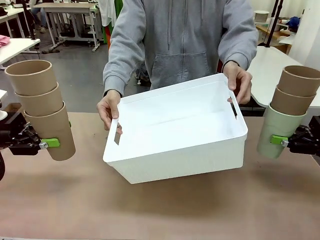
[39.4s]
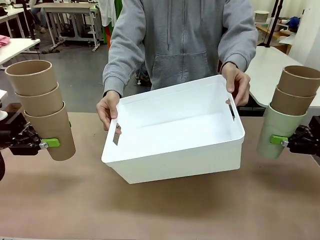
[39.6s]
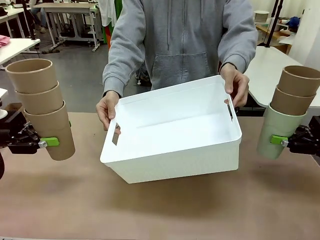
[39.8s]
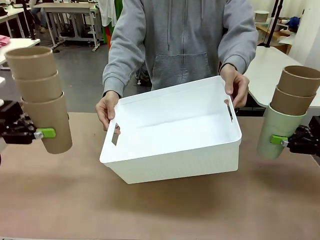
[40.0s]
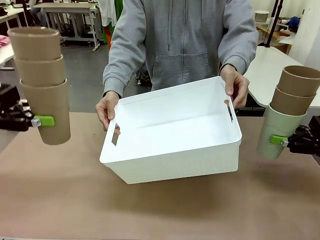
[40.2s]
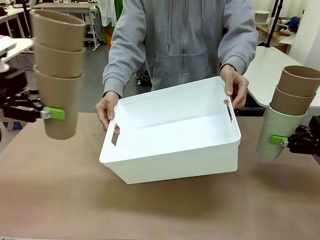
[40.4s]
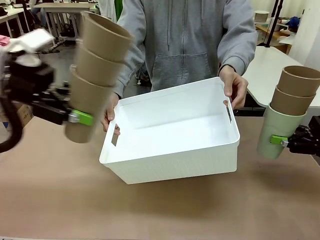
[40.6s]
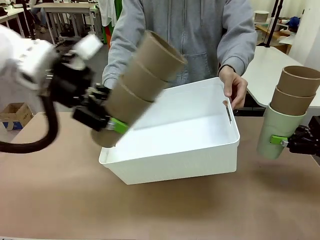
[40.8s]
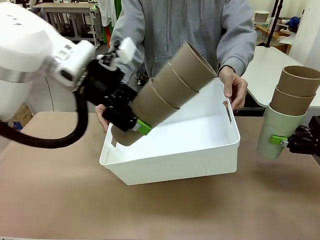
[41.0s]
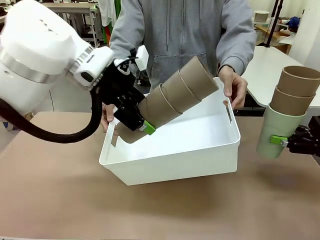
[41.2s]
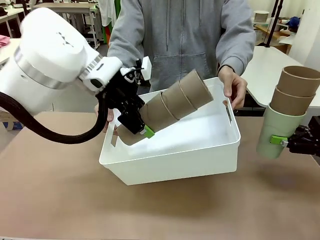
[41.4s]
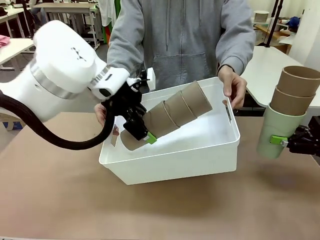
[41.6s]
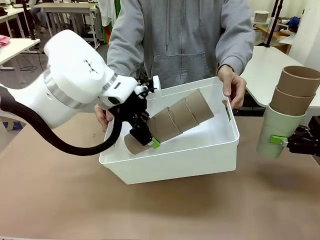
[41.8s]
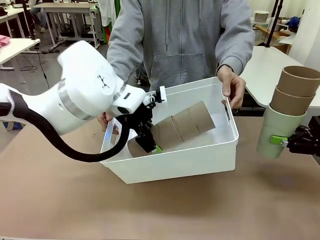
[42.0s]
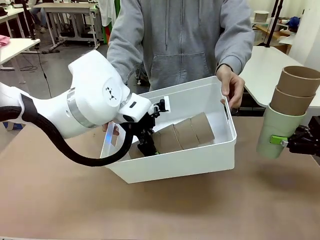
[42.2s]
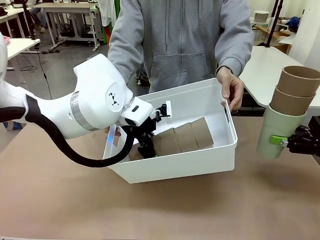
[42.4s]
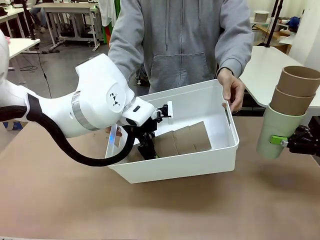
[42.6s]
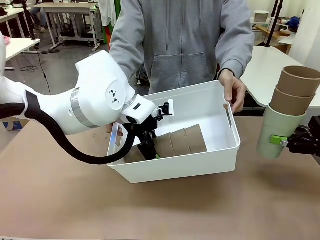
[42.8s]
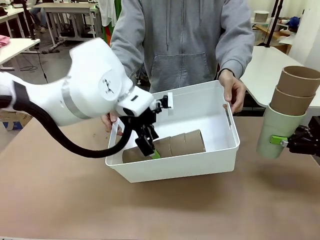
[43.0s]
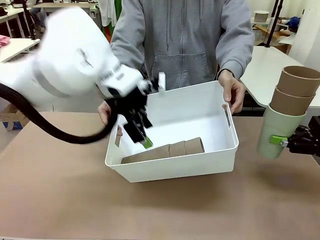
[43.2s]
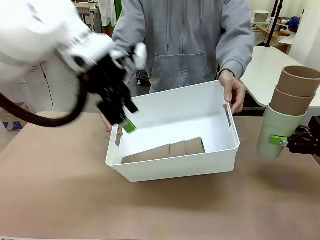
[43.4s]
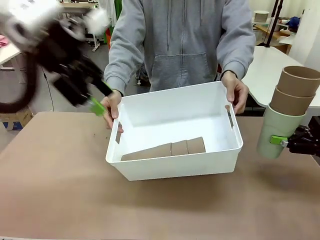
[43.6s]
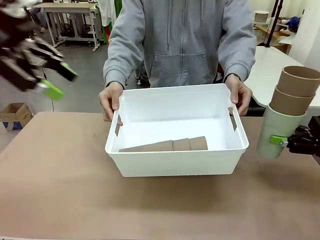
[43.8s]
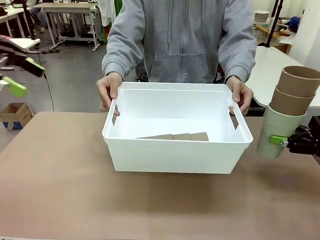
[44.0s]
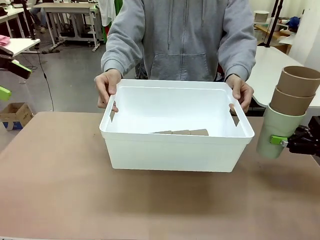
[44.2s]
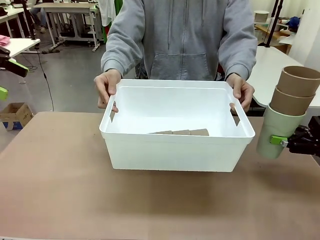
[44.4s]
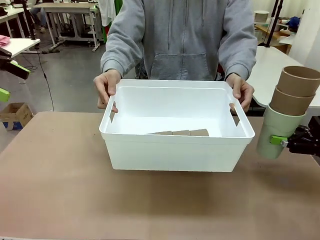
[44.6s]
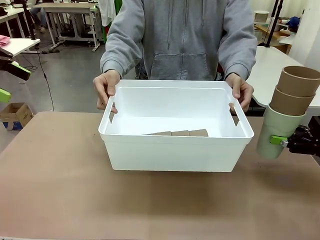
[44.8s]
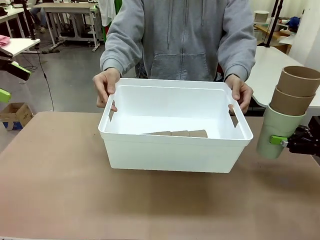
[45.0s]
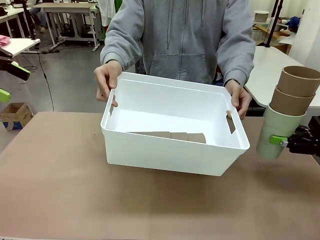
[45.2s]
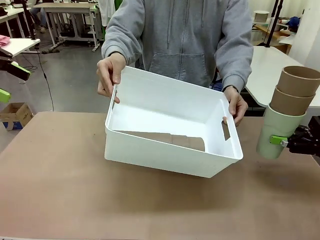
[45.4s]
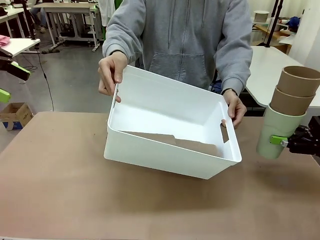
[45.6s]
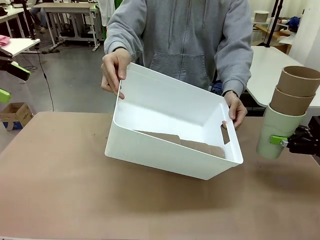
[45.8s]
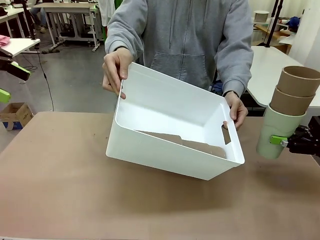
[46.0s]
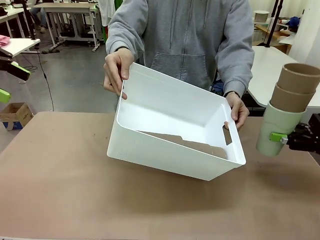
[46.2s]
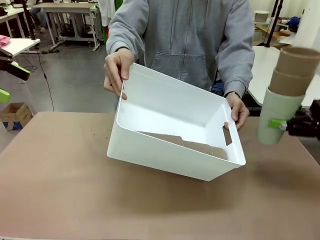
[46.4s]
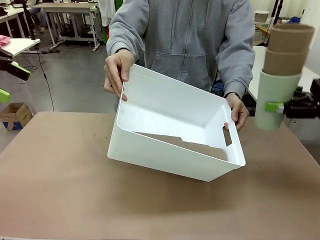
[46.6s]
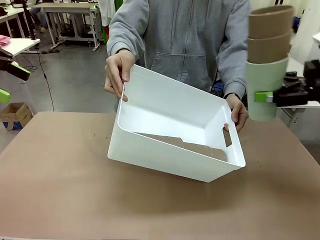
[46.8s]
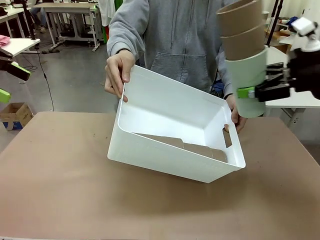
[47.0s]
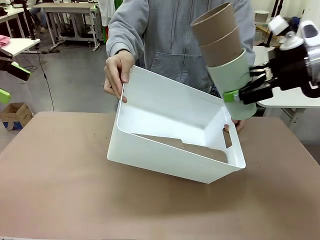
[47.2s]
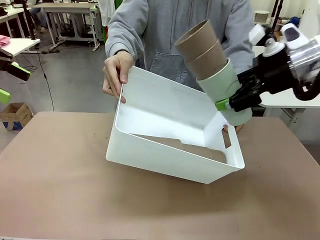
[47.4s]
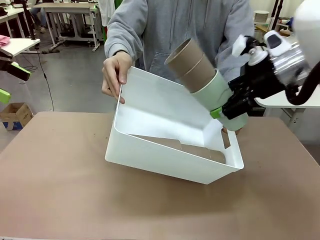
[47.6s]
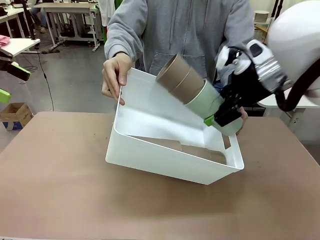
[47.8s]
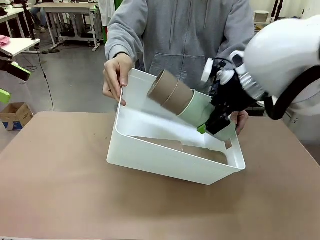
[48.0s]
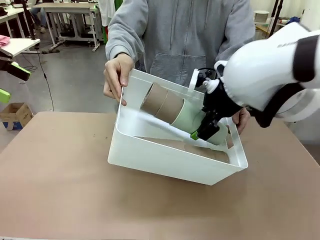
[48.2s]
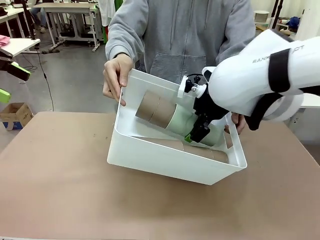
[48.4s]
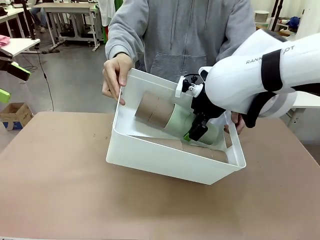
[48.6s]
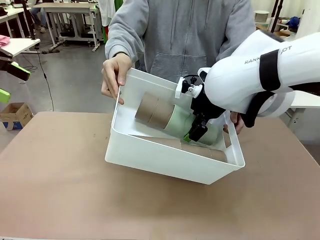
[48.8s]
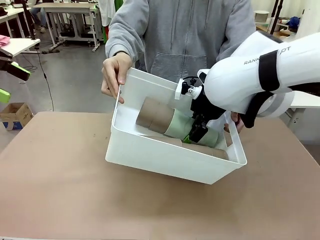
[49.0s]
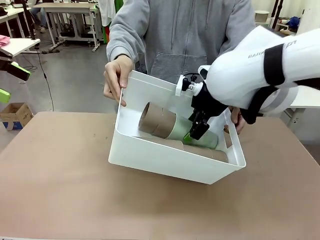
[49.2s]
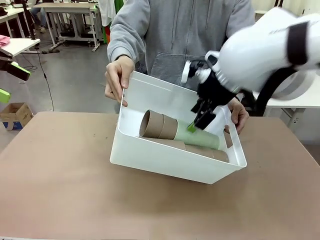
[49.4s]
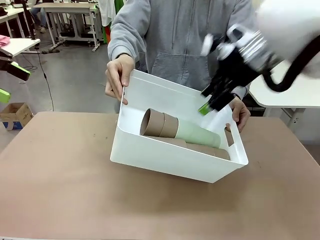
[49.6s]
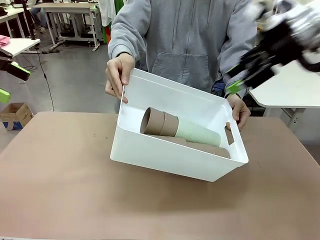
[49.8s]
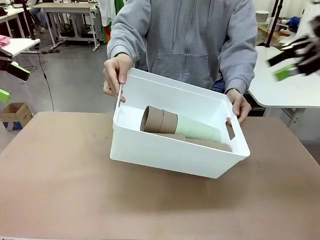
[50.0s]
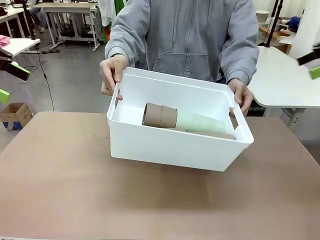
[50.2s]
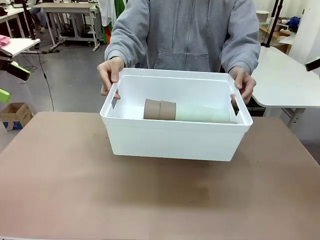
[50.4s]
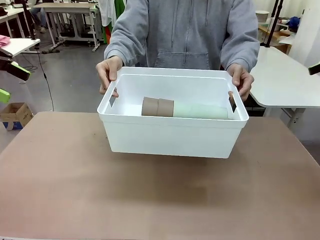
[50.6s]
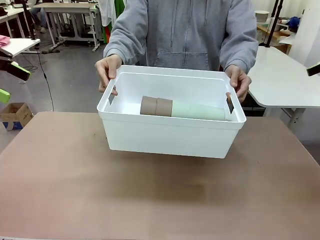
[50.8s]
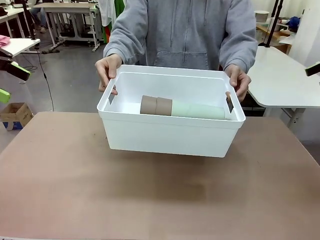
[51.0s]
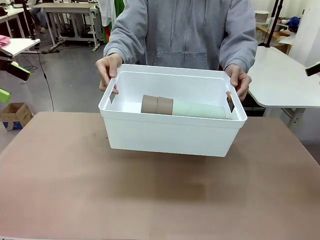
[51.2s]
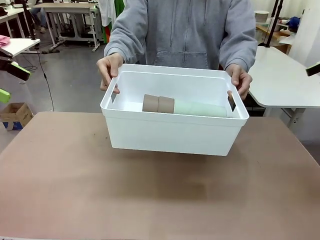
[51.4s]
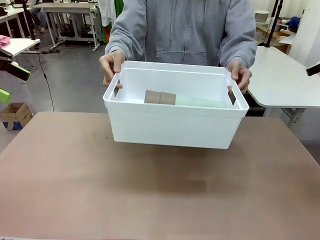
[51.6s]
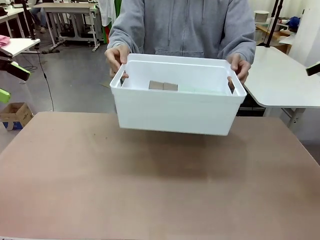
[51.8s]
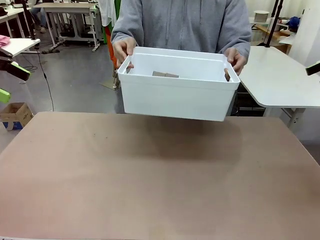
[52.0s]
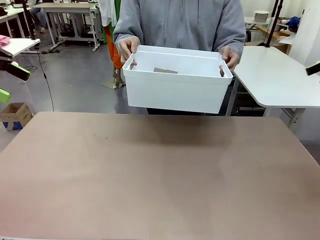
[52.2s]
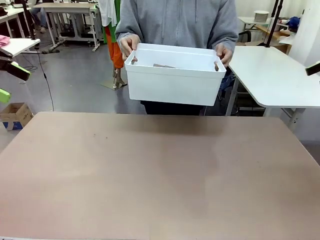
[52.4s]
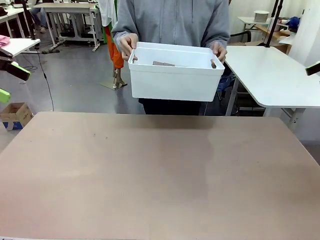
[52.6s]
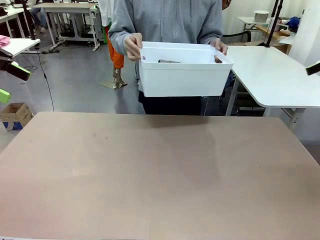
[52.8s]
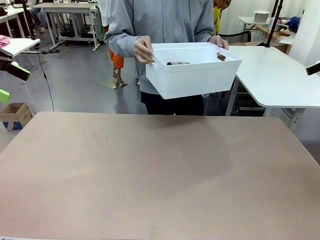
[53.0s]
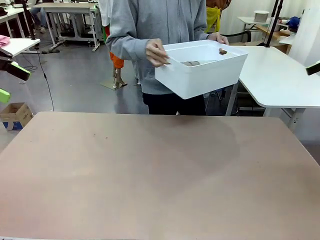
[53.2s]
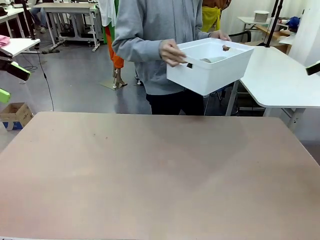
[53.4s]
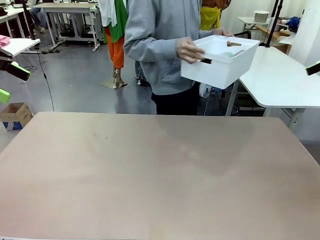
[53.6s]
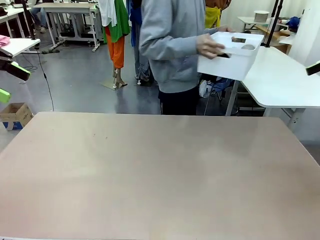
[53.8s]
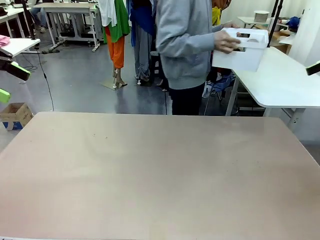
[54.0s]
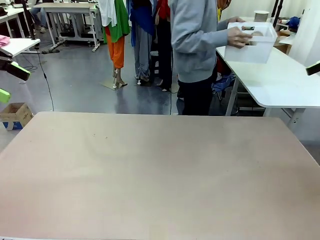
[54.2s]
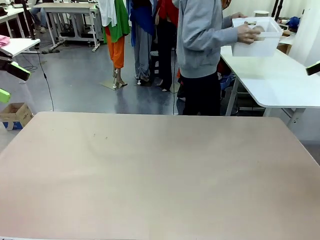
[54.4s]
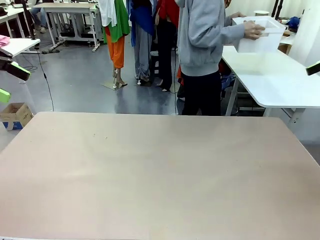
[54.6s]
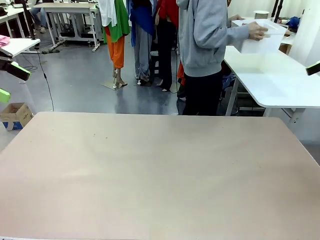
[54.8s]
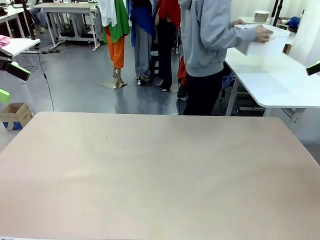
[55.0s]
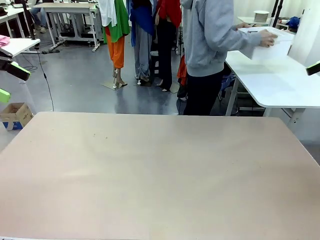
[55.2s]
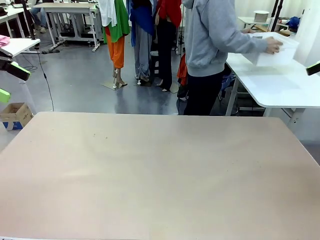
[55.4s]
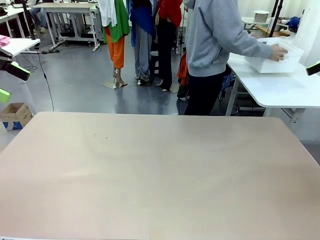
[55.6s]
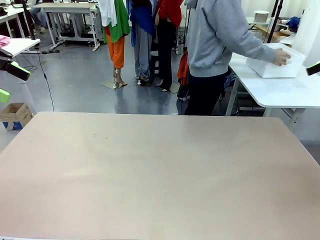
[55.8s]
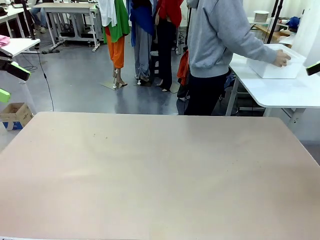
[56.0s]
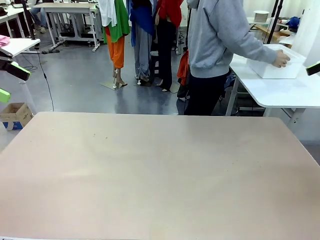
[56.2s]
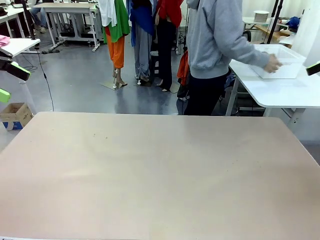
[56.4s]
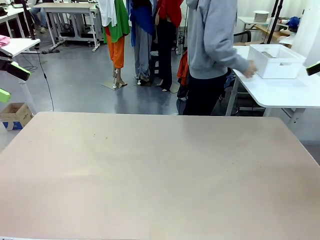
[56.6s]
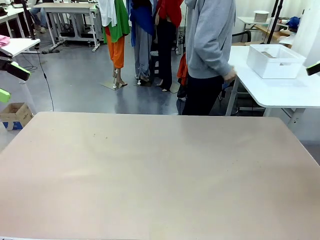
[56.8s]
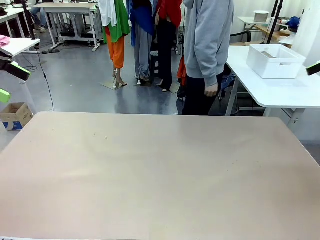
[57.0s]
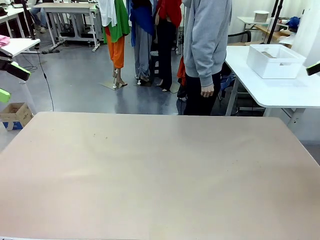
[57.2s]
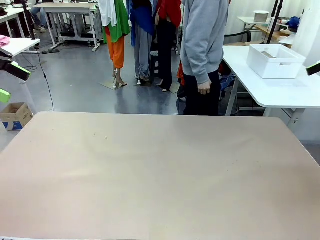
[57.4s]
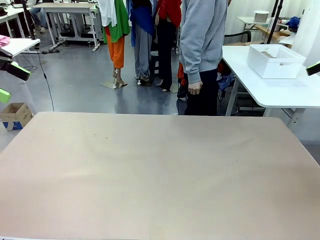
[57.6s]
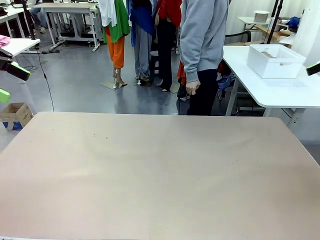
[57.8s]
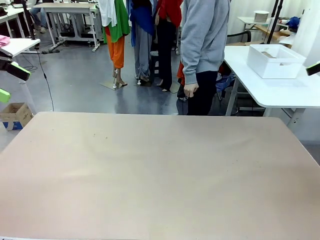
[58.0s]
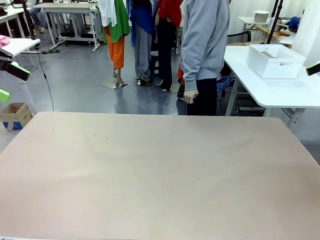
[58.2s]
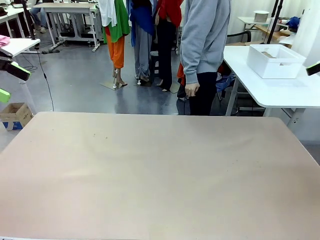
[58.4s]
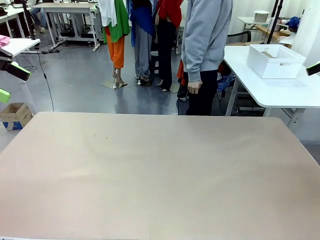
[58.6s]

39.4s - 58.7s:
Task: Stack the cups and store them in the basket.
Robot: Place the stack of Reusable plastic cups into the Pantry Basket.
Person: Place the basket containing the cups in the middle of the Human Table.
